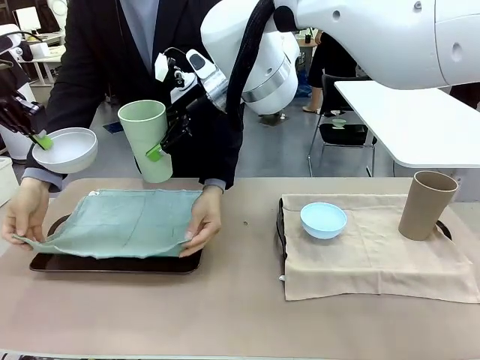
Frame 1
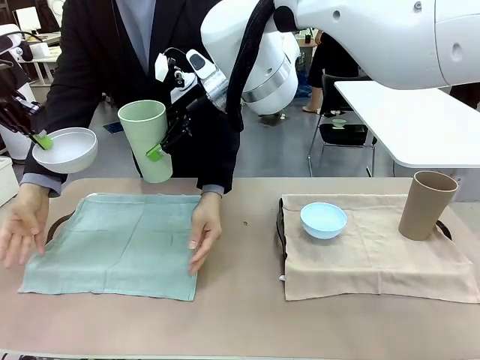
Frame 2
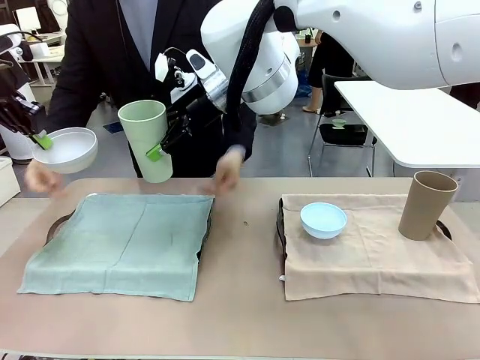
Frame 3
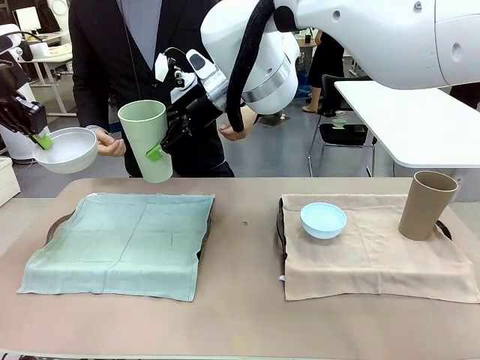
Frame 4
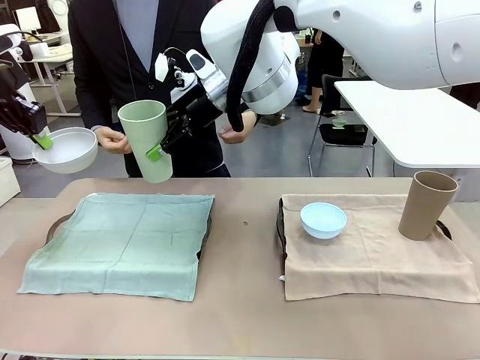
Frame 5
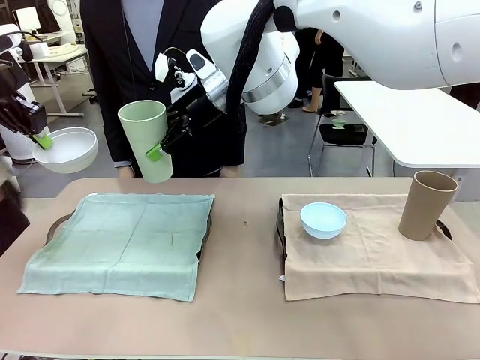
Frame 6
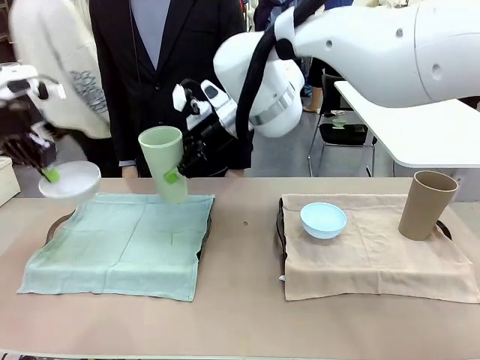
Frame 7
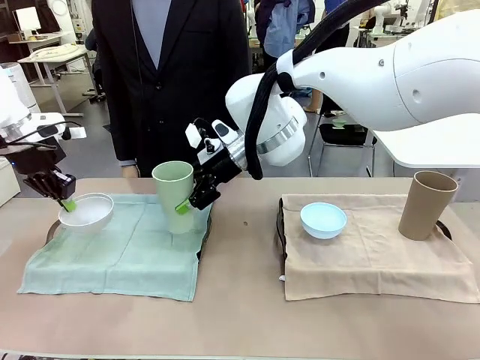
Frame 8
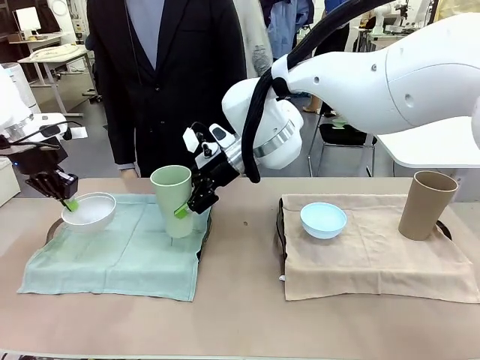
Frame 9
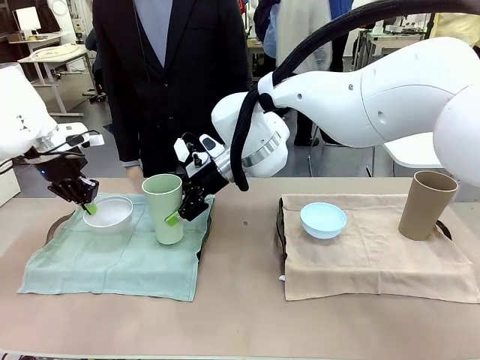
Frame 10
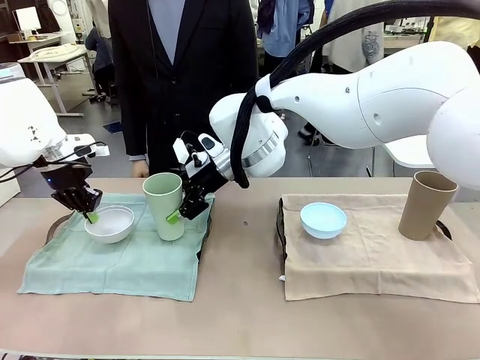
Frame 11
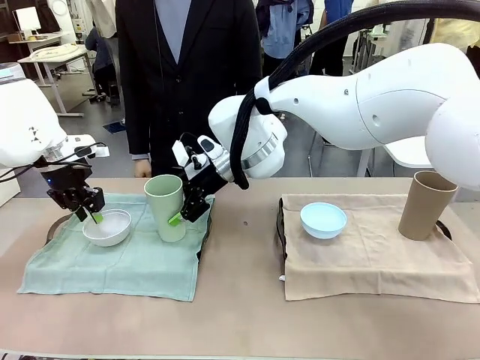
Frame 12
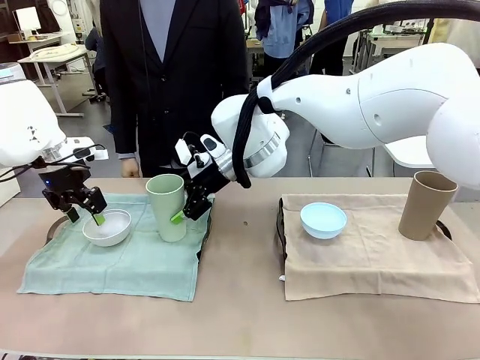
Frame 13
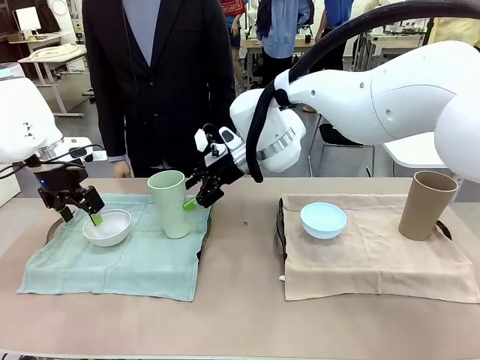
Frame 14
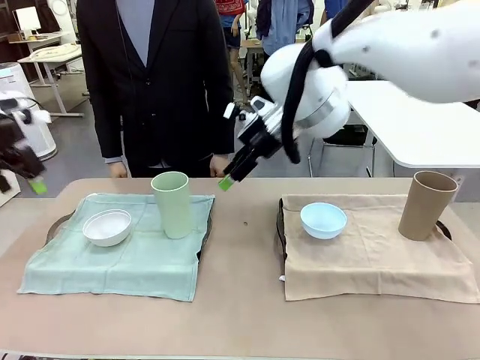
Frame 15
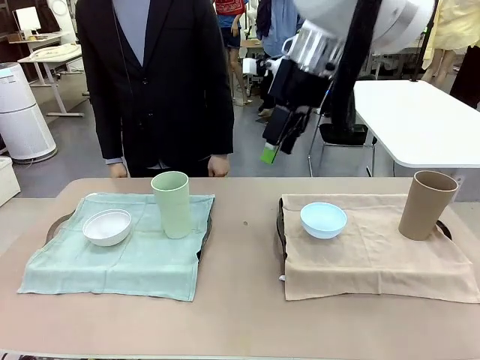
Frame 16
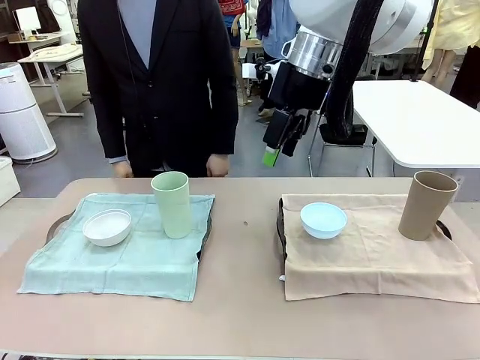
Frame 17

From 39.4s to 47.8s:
Robot: Place the Picnic Bowl and Reusable plastic cup back onto the Handle tray in front of the human's position.

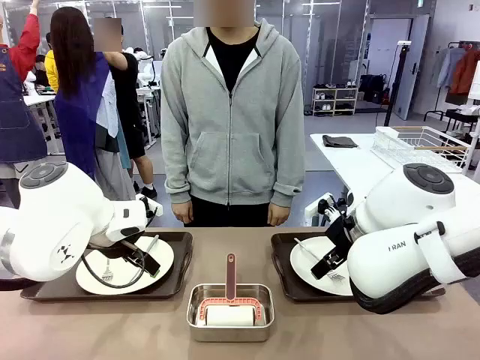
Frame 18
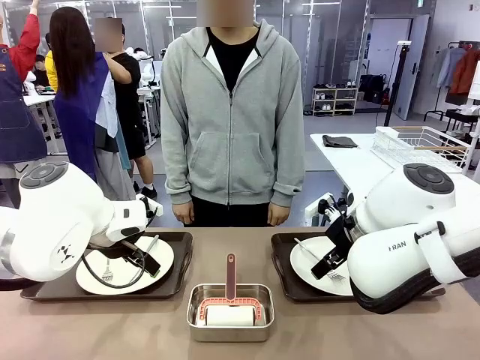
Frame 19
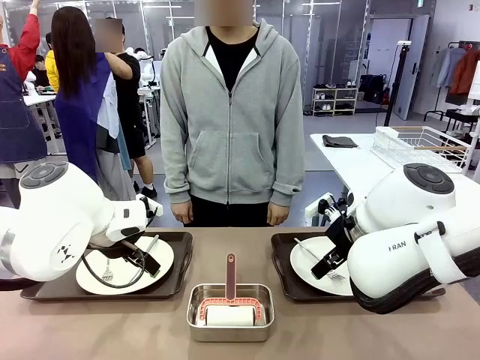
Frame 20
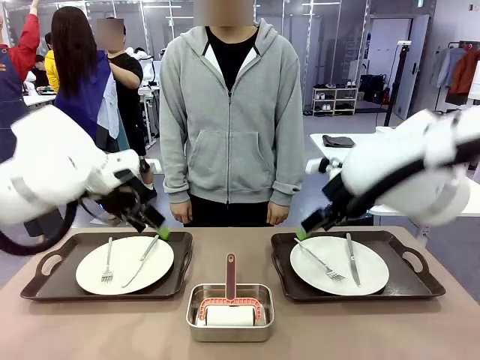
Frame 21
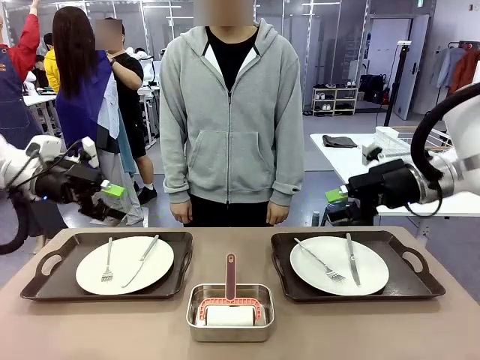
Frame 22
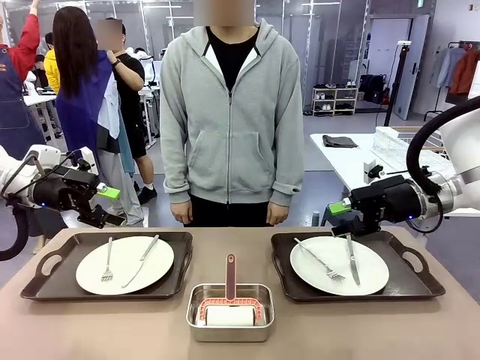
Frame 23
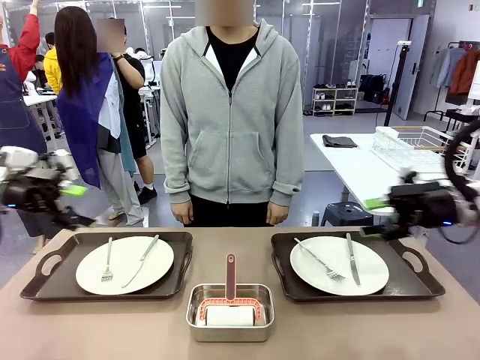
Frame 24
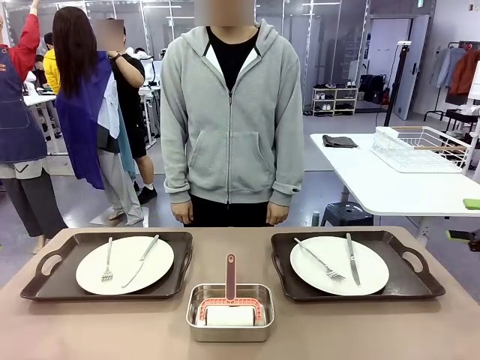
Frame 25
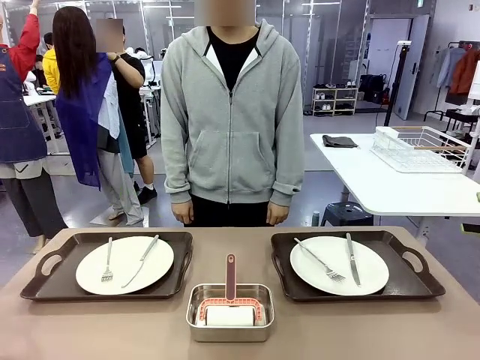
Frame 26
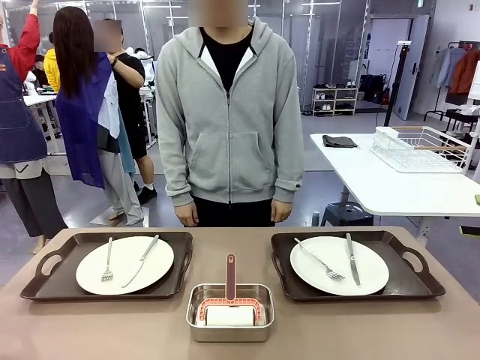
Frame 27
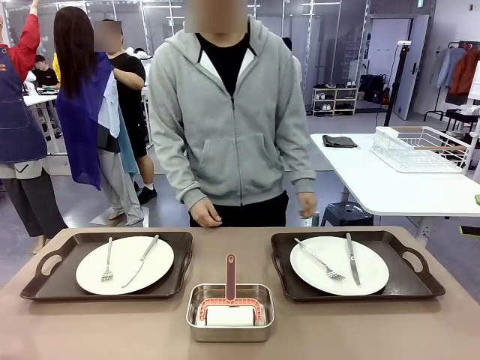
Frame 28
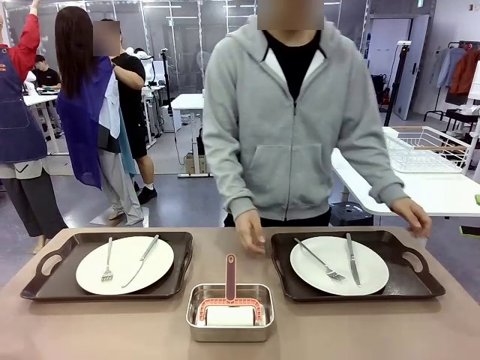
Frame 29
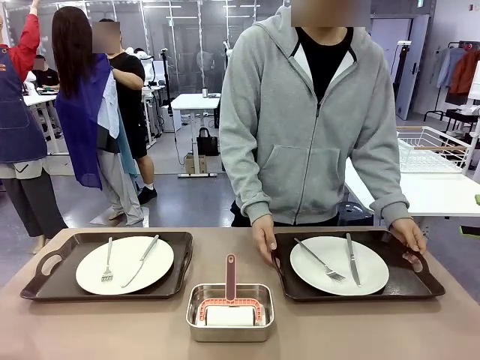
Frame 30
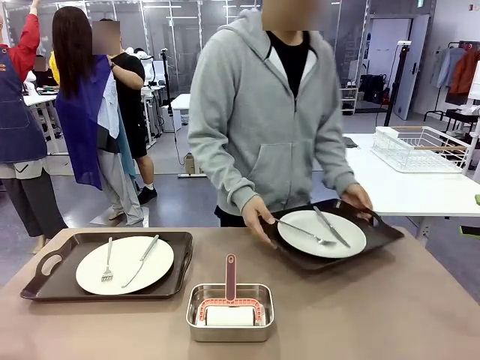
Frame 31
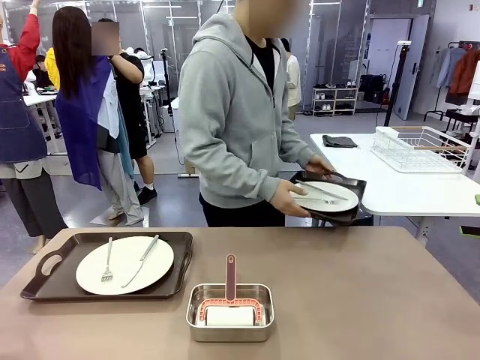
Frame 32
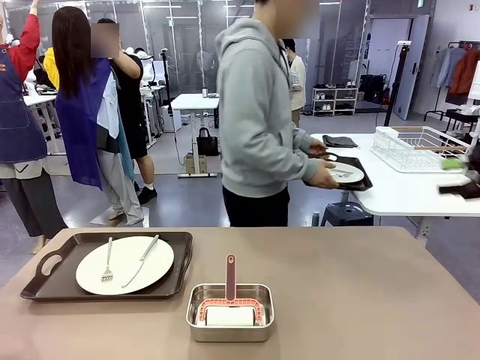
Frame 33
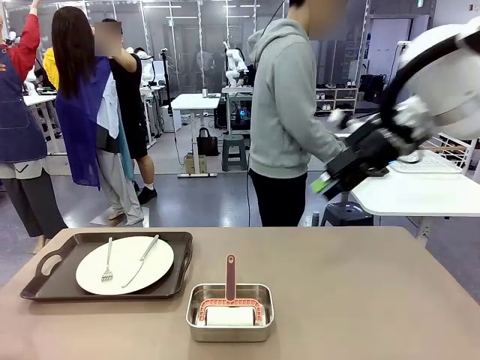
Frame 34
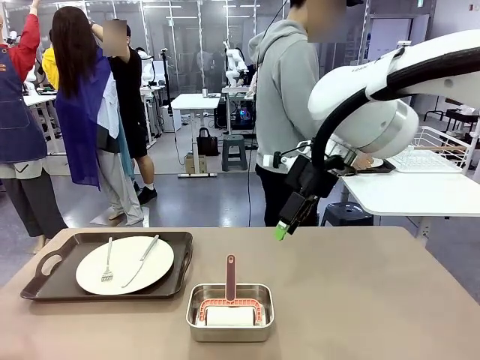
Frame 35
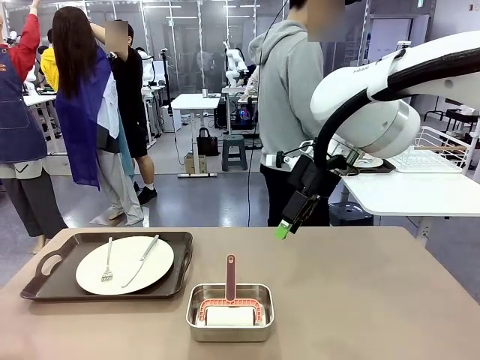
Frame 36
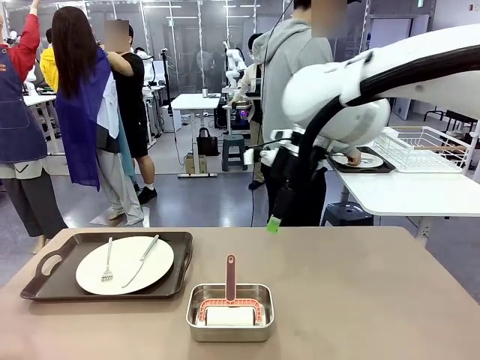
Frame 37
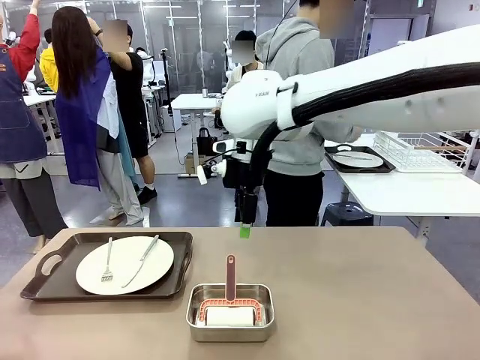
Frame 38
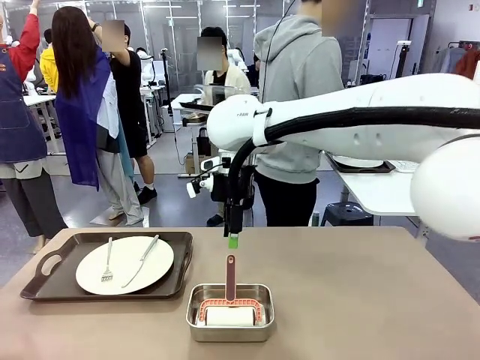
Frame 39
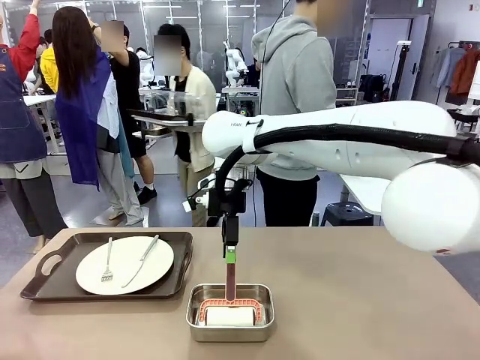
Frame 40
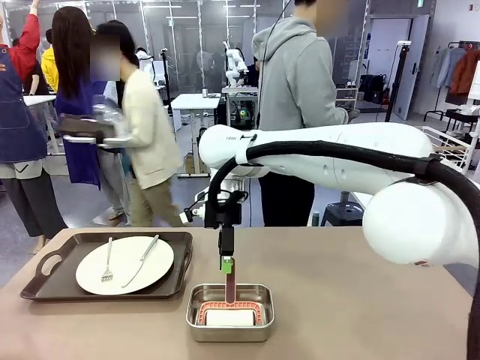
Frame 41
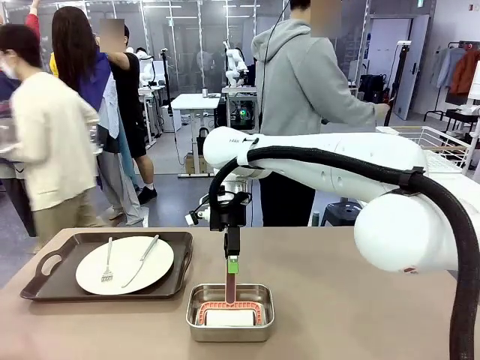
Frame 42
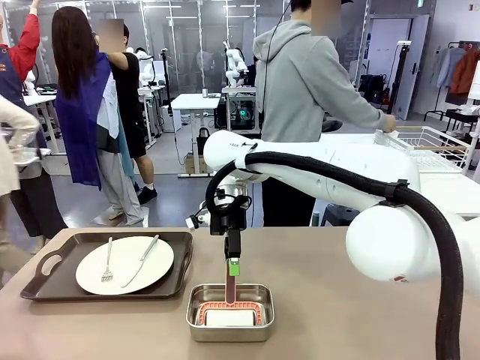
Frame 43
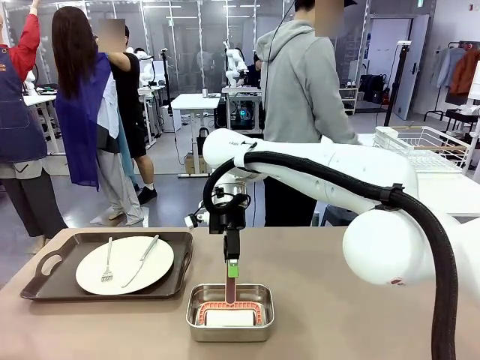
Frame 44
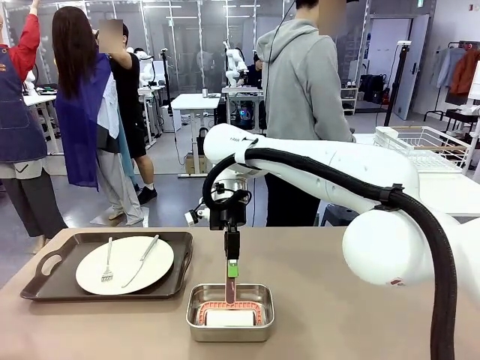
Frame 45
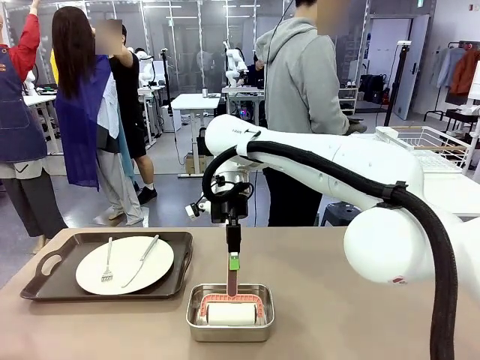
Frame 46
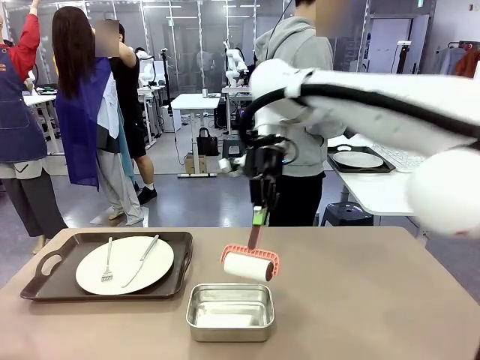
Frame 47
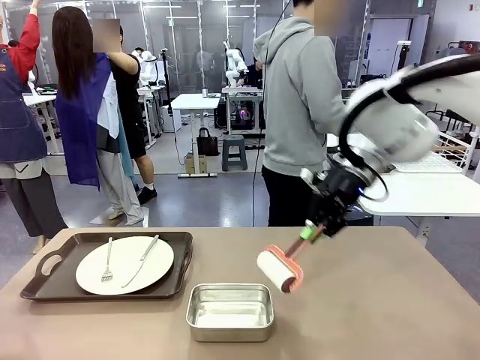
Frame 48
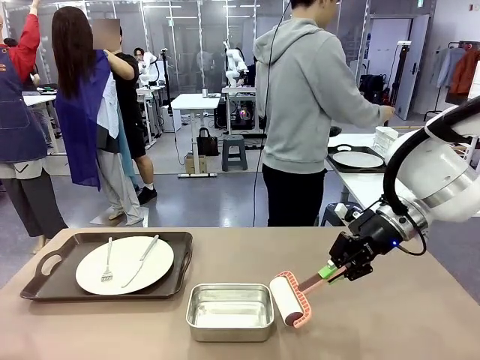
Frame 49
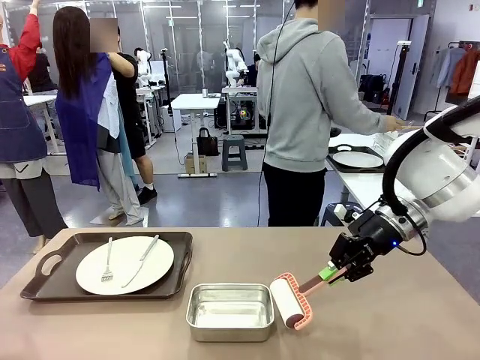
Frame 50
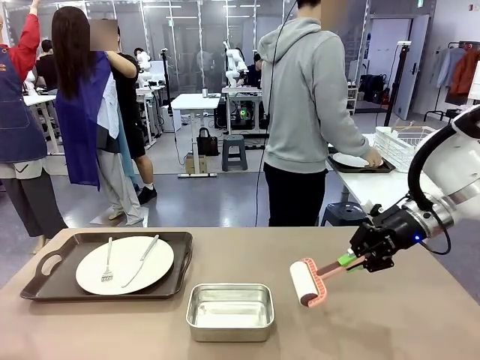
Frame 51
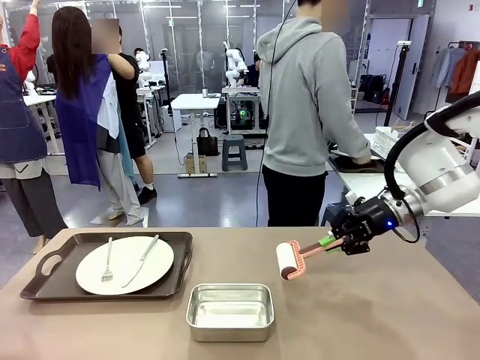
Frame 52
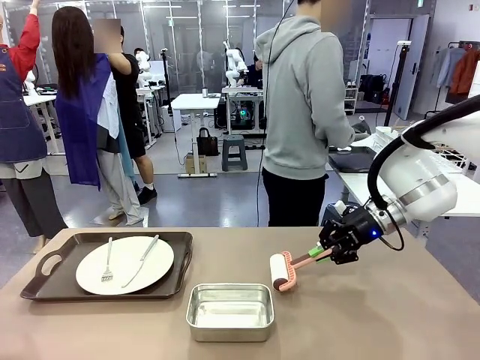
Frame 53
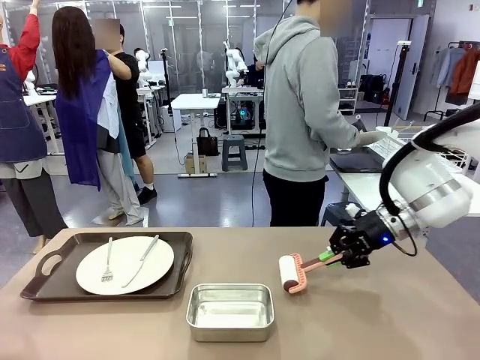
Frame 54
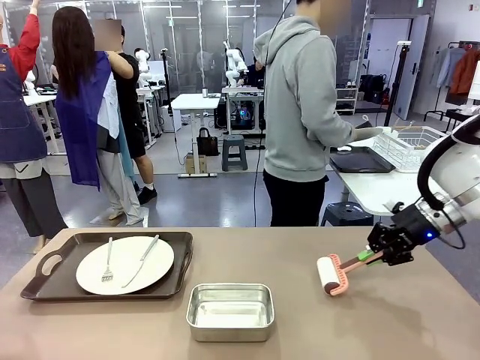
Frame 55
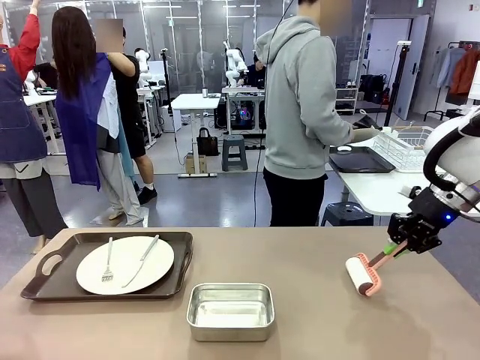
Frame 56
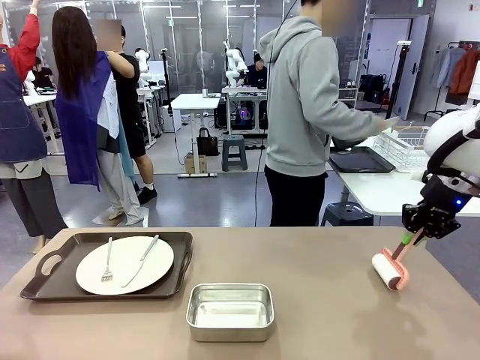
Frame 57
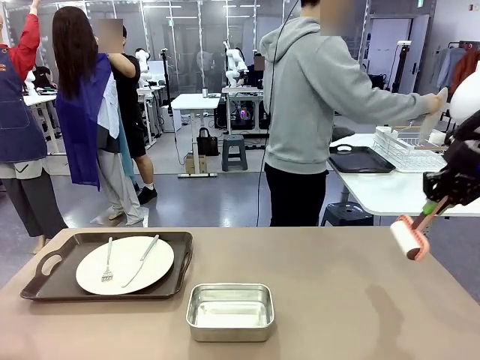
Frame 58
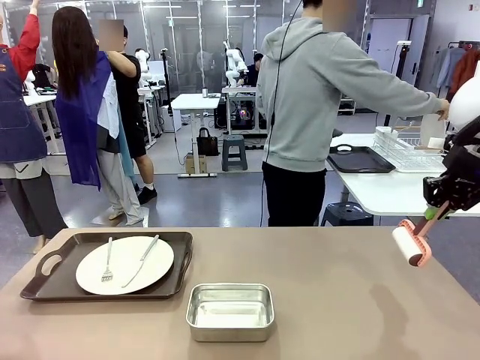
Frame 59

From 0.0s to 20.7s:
Robot: When the left (or right) Handle tray is removed, use the left hand (or right hand) to clean the left (or right) side of the table with the Lint Roller.
Person: Pick up the left (or right) Handle tray and place it on the middle of the Human's table. Use the Towel with hook to wipe the Plastic Matte Plate , Fork , and Knife and place into the Dish drying rack.
